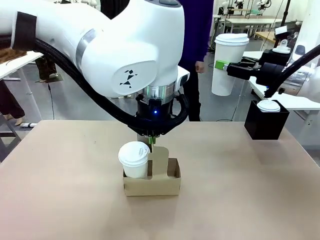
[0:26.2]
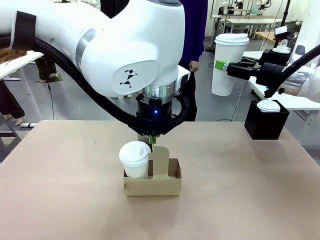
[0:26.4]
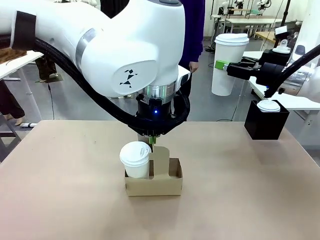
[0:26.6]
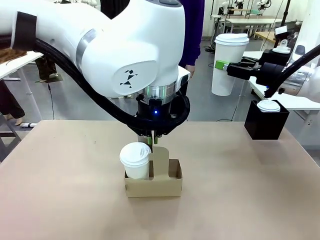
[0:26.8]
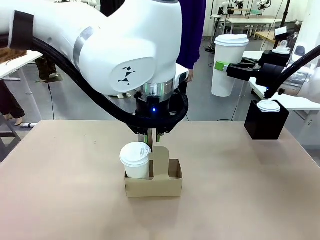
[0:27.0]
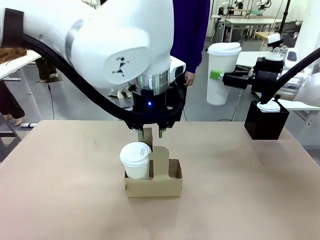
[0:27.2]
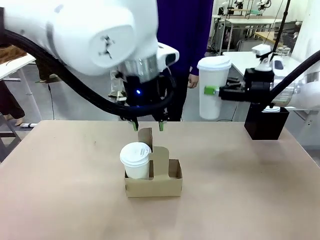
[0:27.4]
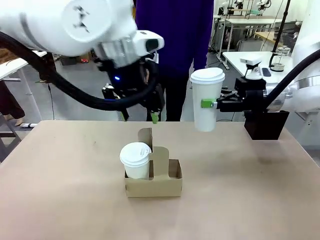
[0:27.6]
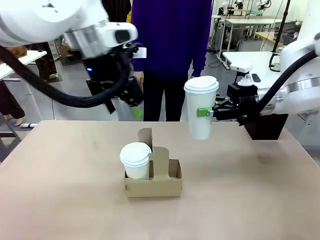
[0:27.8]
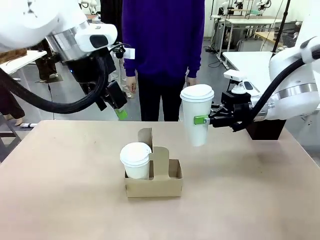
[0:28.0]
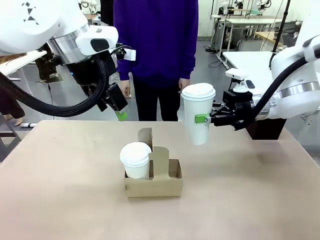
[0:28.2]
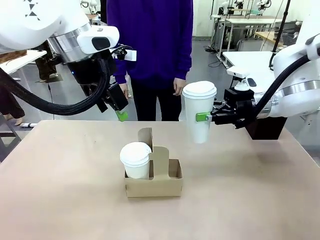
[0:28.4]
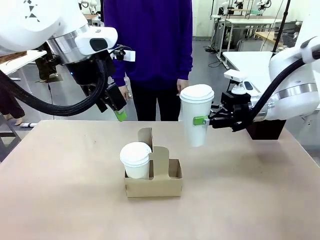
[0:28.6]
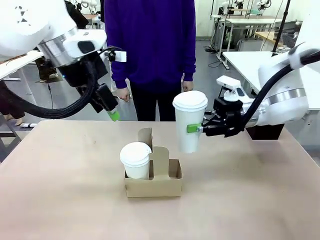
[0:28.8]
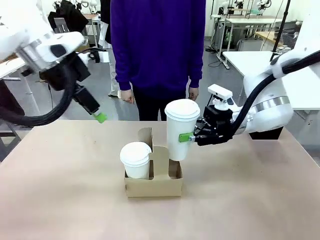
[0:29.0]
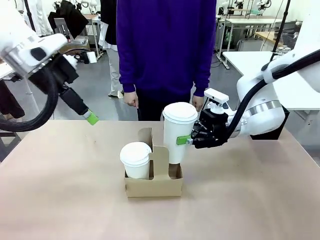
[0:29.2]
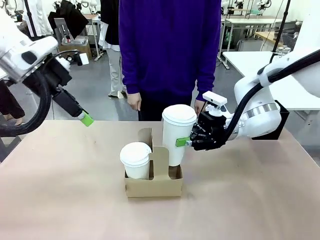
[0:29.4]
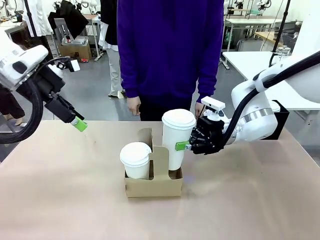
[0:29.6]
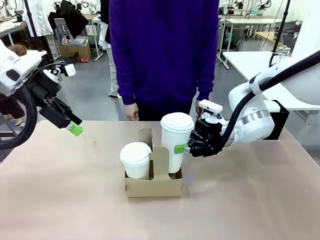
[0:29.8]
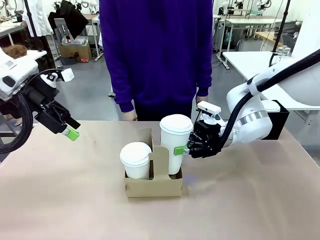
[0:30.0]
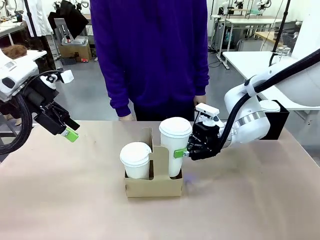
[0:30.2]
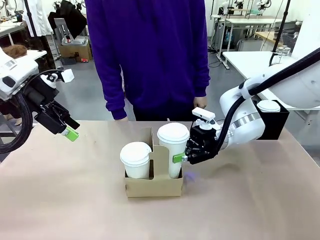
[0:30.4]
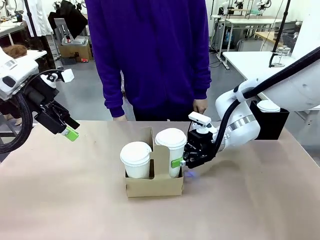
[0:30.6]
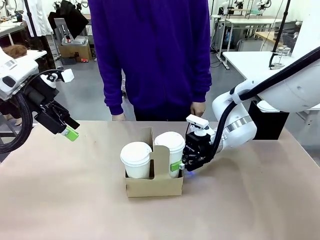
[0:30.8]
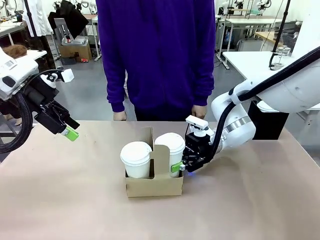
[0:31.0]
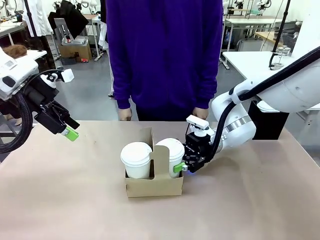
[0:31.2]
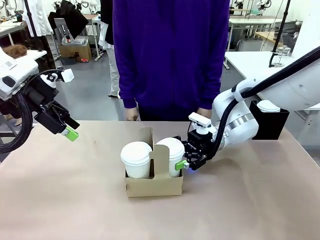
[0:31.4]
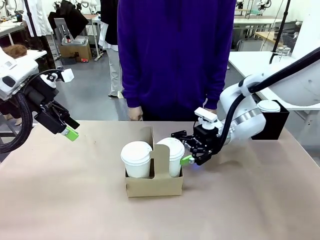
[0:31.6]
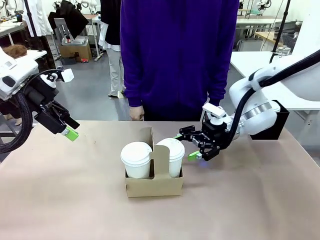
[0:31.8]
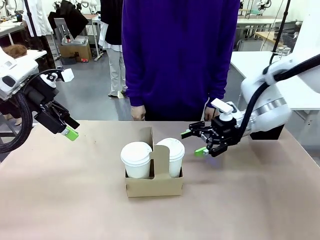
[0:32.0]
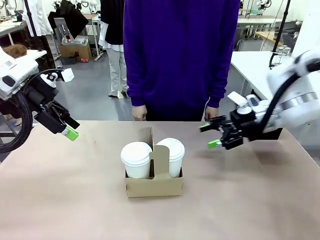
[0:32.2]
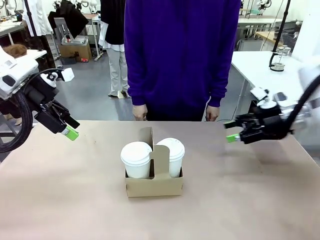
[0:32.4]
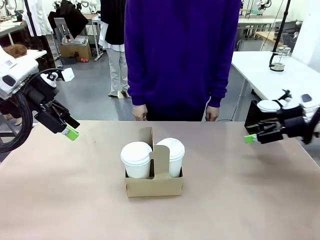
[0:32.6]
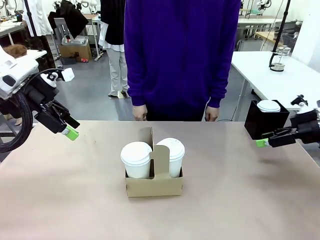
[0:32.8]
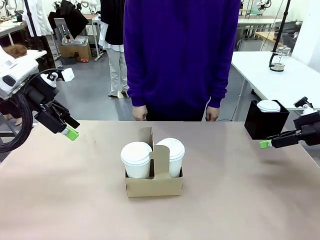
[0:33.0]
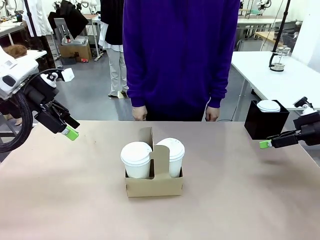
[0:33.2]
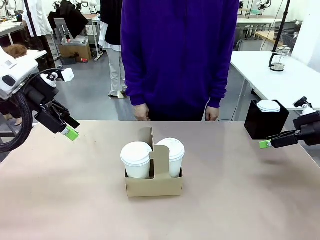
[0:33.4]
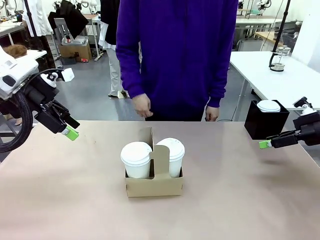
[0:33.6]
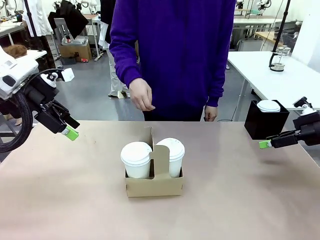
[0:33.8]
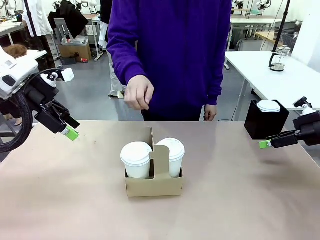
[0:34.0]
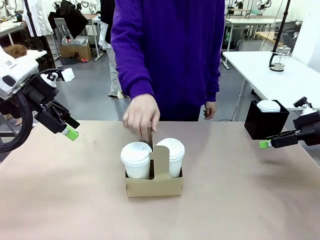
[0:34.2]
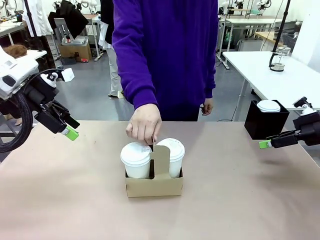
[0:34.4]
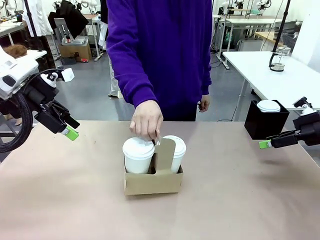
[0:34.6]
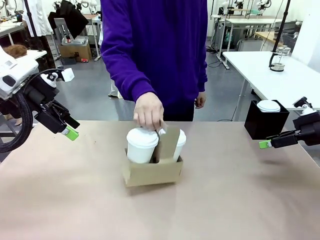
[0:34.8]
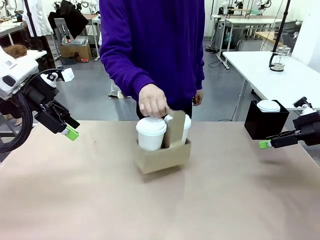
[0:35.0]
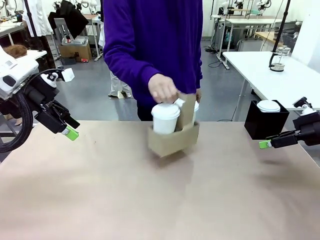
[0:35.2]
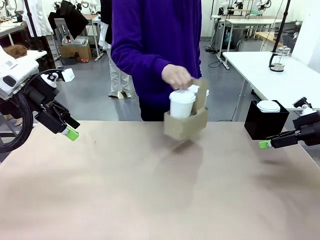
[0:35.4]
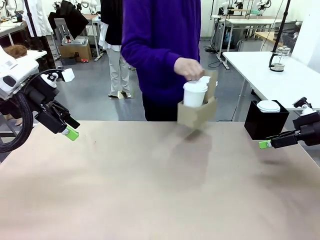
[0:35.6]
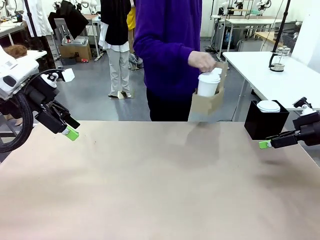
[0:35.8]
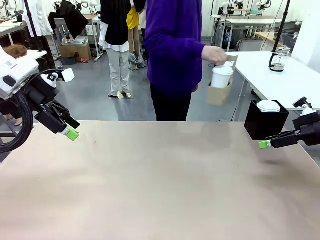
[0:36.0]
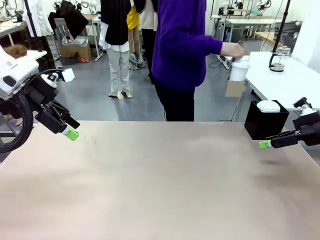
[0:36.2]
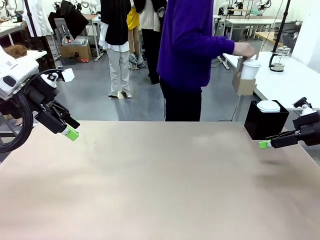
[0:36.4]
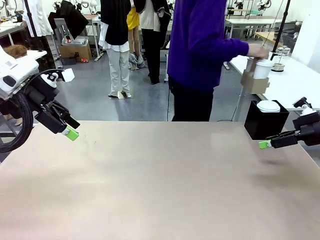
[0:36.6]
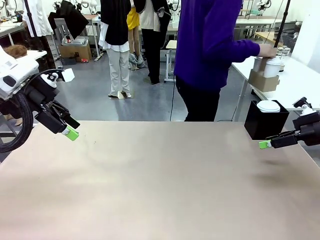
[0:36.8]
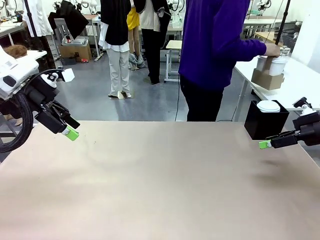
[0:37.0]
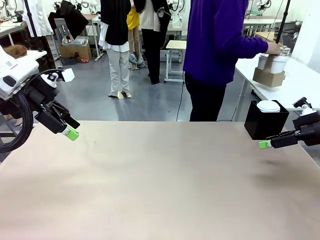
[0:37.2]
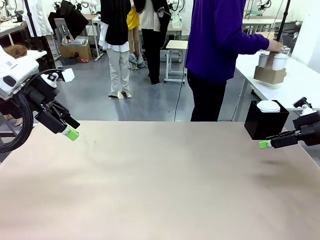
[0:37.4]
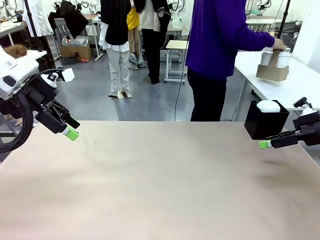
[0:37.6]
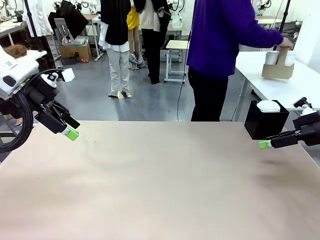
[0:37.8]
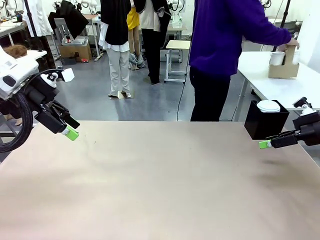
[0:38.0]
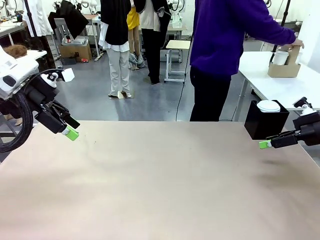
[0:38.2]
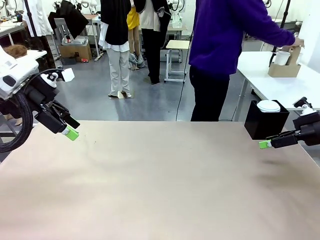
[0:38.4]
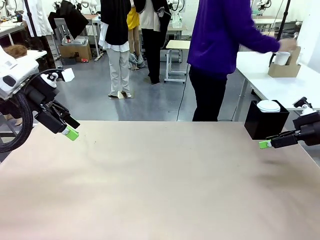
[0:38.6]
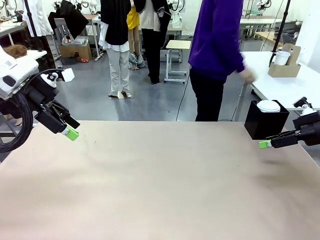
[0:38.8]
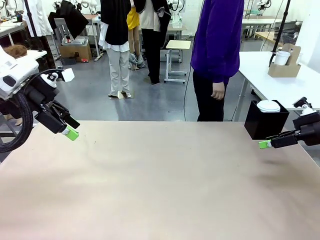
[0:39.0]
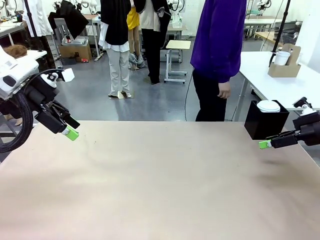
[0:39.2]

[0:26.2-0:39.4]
Task: Pour a drink into a cup and package it in a carrier.
Robot: Insert the held 600 ml Paper Cup into the Cup Carrier.
Person: Place the Cup Carrier to the middle of Human table.
